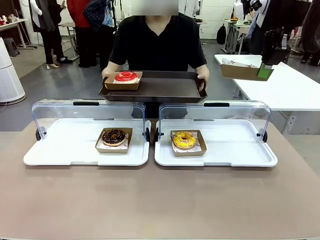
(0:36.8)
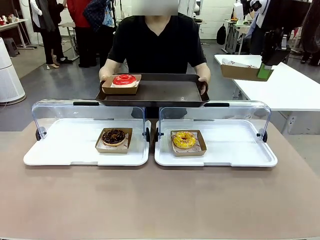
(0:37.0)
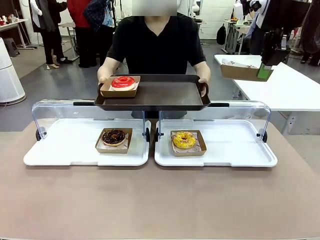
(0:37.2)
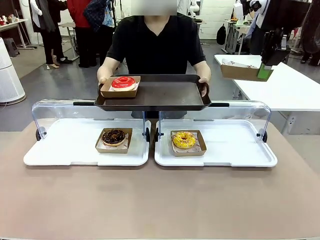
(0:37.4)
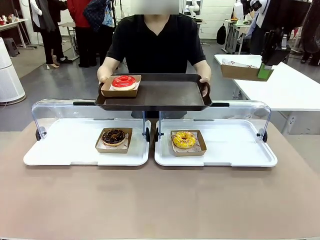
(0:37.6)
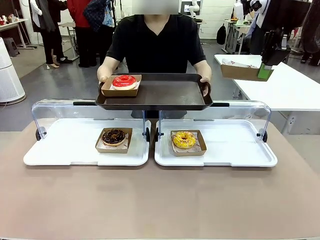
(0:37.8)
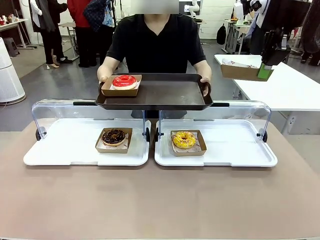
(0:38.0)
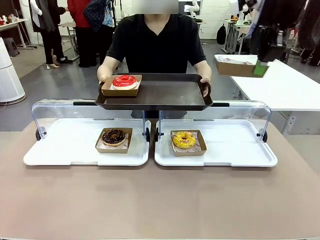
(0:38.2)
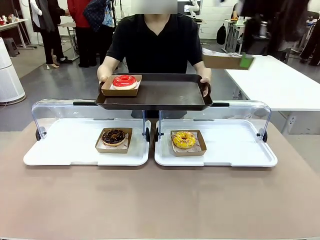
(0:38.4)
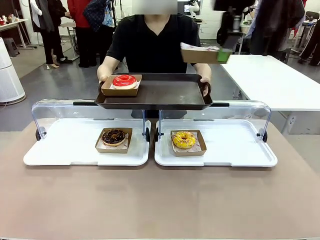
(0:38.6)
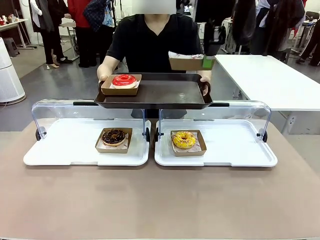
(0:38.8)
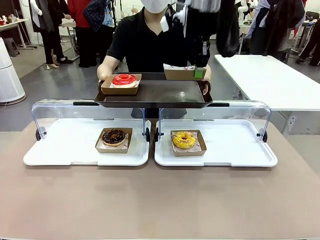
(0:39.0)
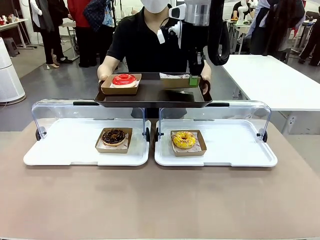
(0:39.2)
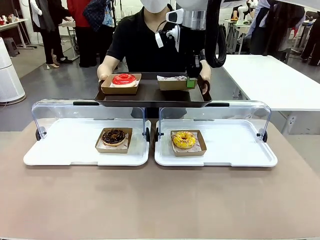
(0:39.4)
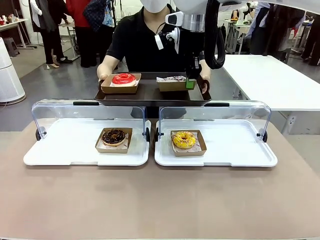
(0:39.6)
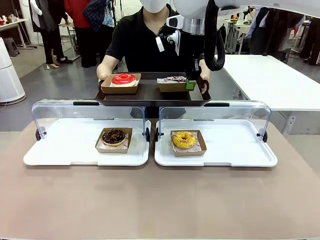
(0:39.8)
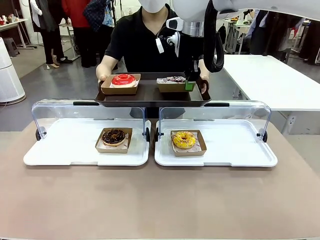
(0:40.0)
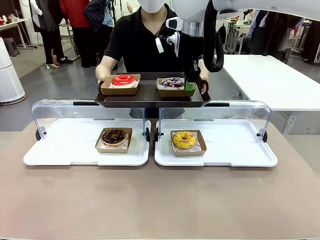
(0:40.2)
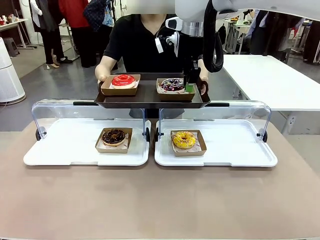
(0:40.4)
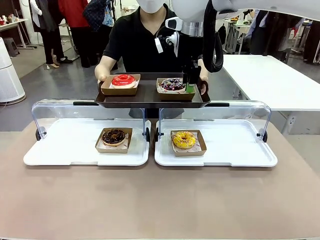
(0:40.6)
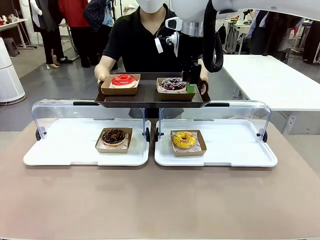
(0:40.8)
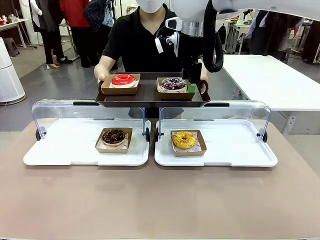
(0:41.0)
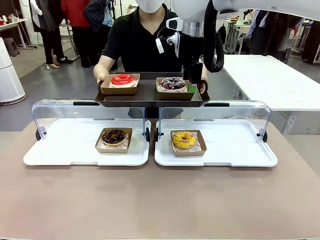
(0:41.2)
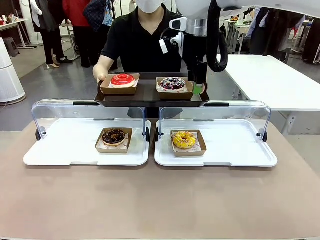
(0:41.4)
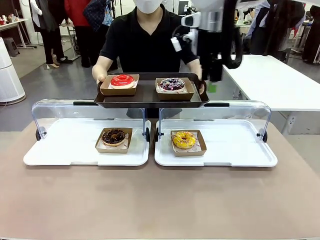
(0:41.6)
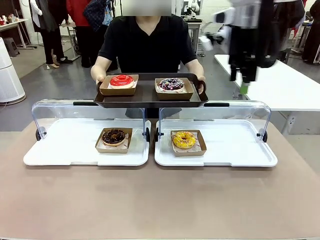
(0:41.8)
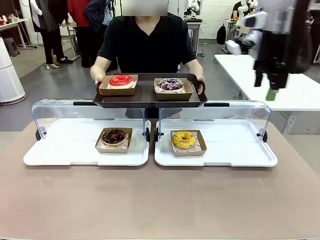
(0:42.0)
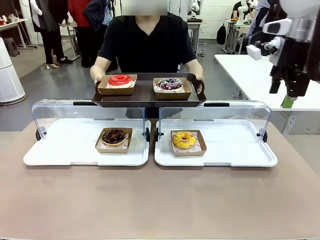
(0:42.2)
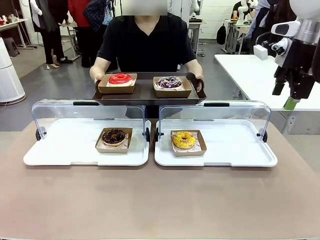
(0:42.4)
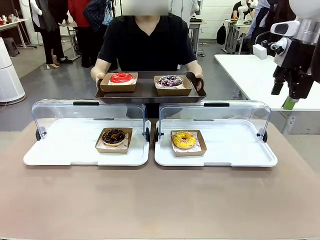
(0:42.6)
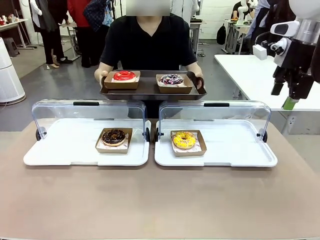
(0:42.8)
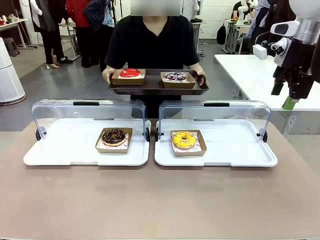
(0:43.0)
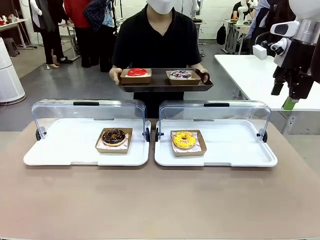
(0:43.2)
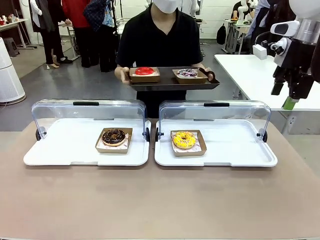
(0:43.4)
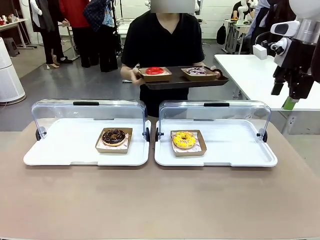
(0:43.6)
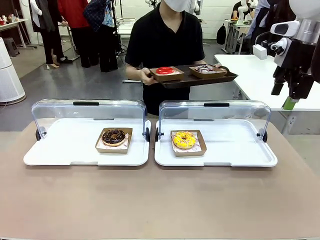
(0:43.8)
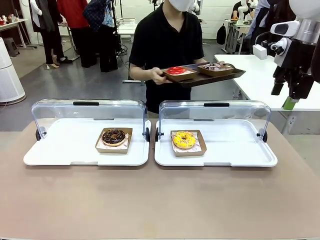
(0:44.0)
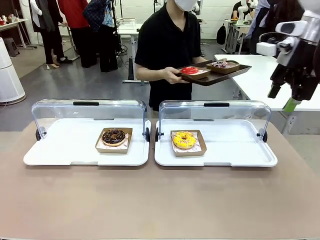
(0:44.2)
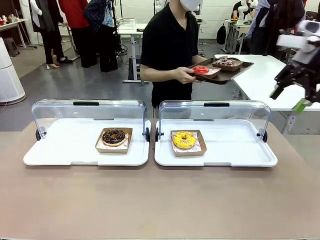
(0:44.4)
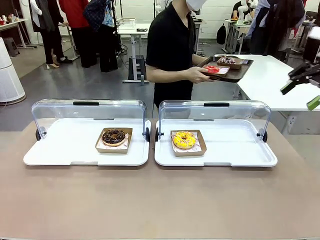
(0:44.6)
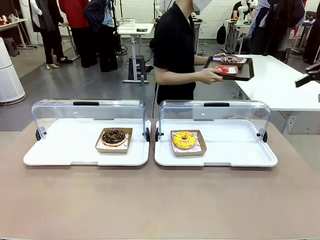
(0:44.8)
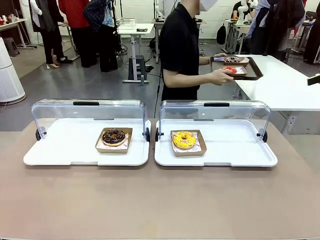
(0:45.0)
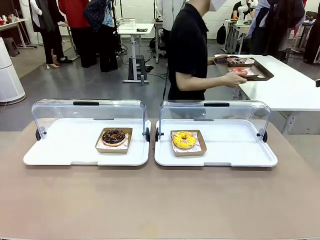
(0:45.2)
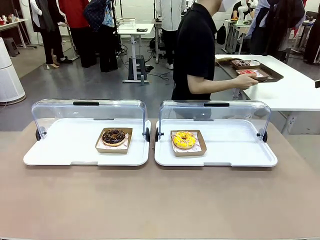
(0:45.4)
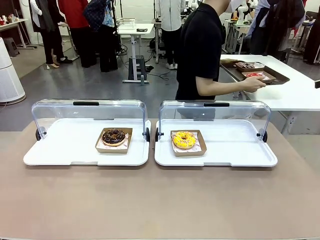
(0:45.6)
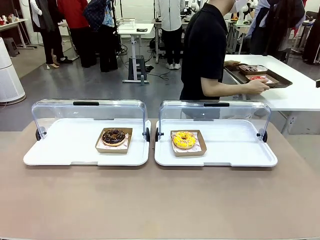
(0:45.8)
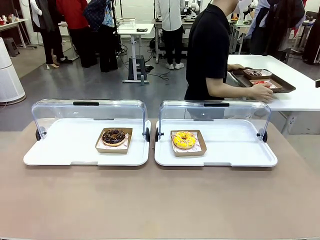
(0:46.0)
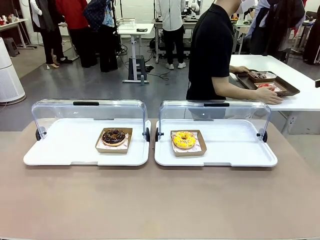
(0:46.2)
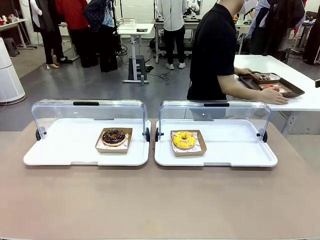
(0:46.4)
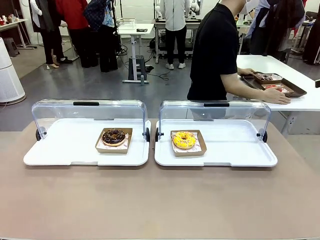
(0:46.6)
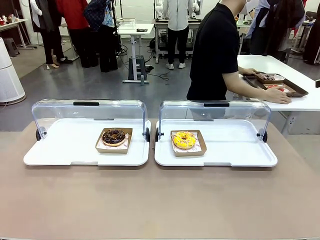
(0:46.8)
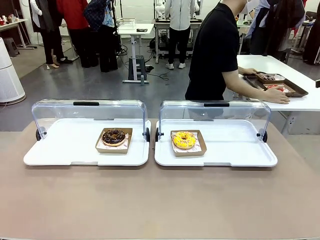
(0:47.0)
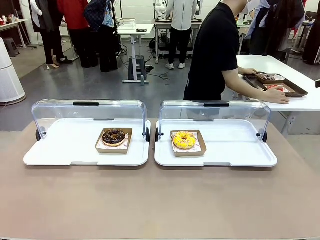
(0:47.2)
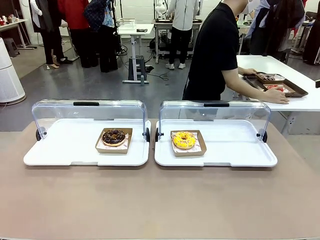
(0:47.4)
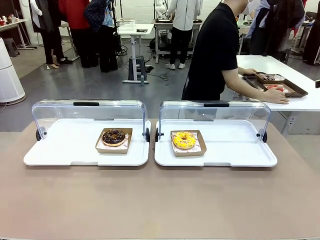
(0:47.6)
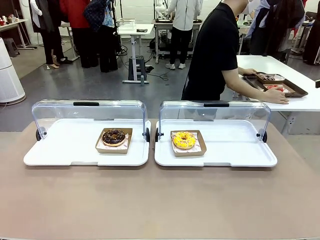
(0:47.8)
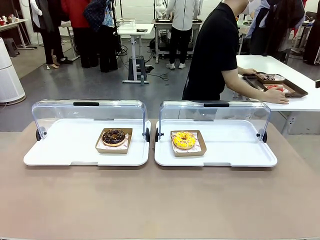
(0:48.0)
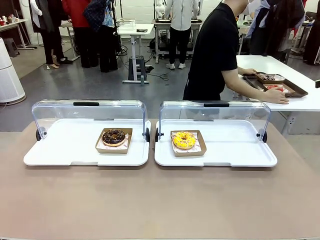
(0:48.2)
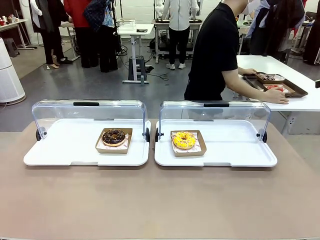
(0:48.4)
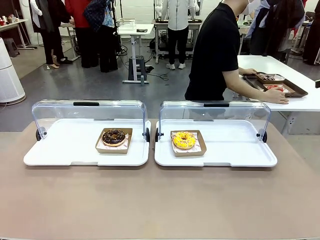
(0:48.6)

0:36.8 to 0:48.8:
Task: Provide the desired donut to the person.
Robot: Place the picked Paper togo box onto the Handle tray extended by the person.
Person: Place the tray in the middle of the human table.
